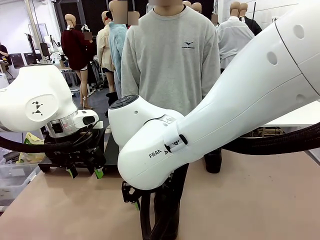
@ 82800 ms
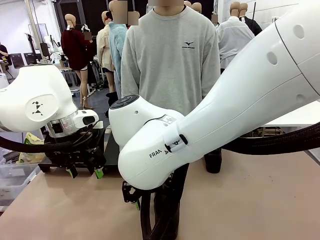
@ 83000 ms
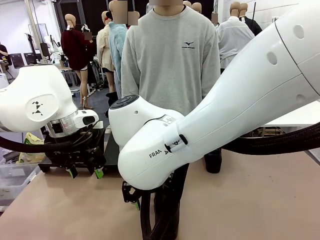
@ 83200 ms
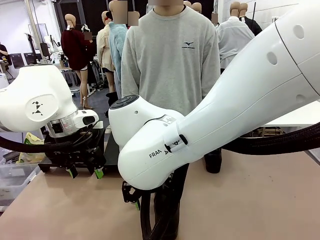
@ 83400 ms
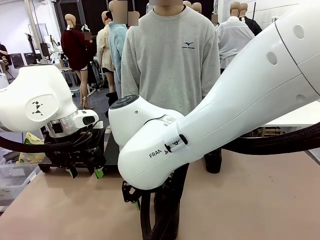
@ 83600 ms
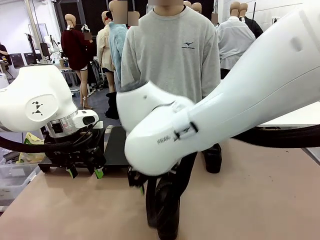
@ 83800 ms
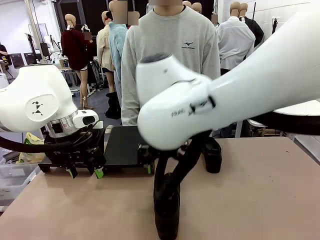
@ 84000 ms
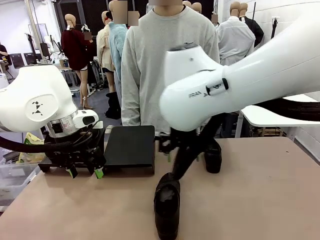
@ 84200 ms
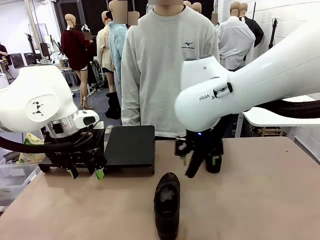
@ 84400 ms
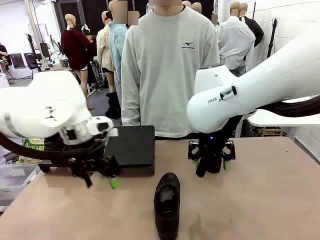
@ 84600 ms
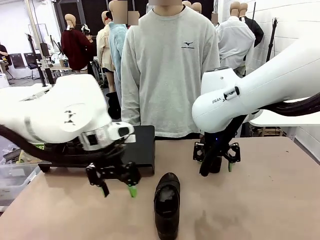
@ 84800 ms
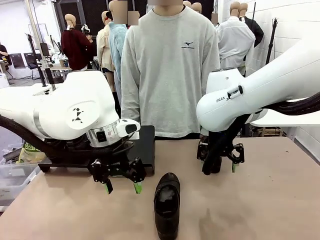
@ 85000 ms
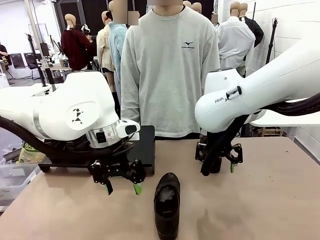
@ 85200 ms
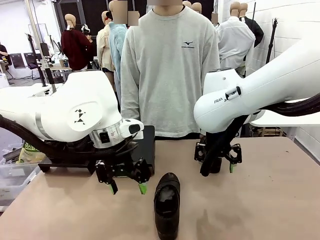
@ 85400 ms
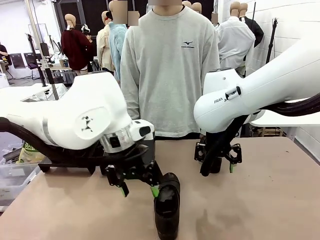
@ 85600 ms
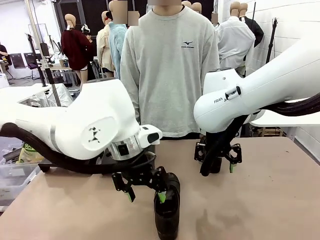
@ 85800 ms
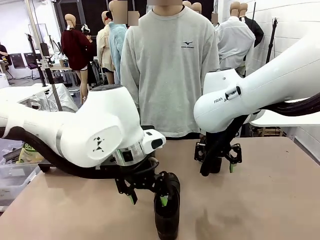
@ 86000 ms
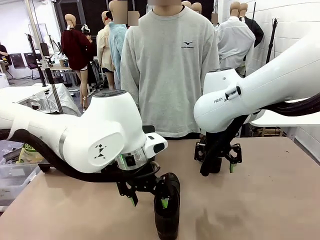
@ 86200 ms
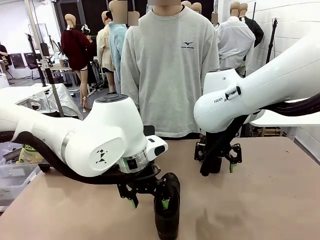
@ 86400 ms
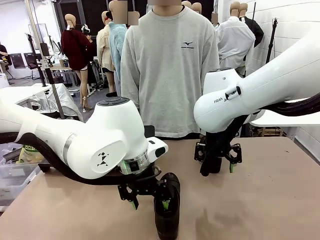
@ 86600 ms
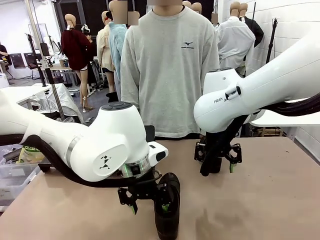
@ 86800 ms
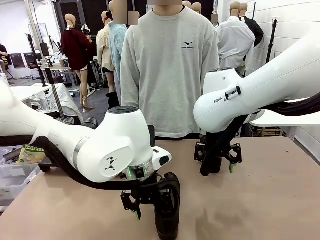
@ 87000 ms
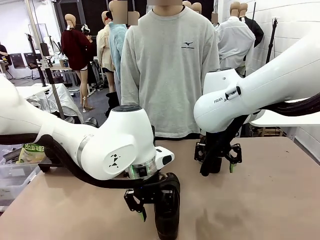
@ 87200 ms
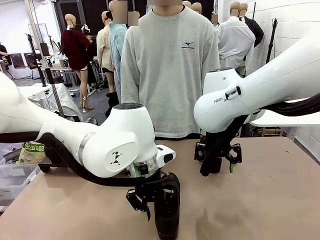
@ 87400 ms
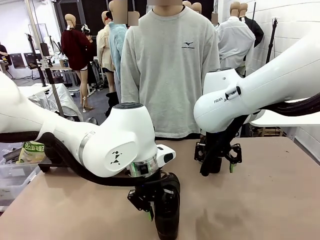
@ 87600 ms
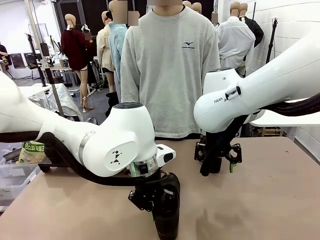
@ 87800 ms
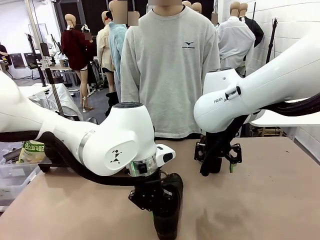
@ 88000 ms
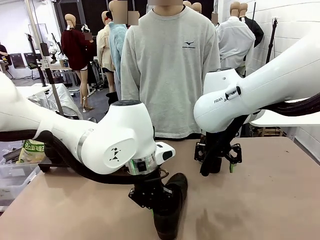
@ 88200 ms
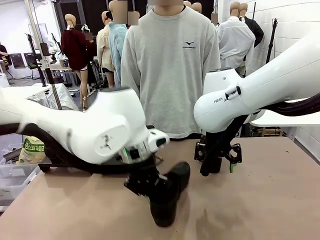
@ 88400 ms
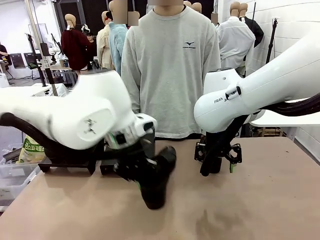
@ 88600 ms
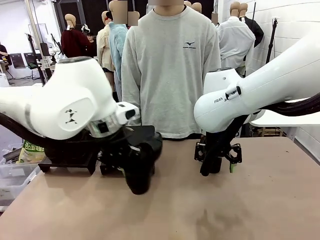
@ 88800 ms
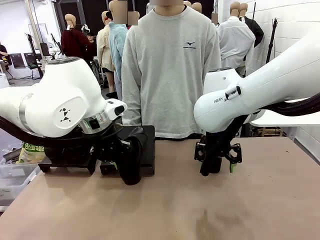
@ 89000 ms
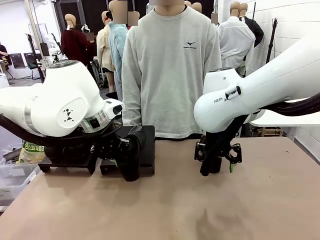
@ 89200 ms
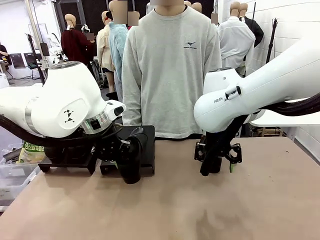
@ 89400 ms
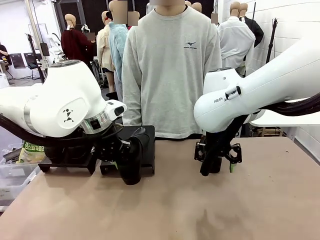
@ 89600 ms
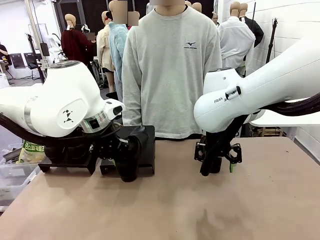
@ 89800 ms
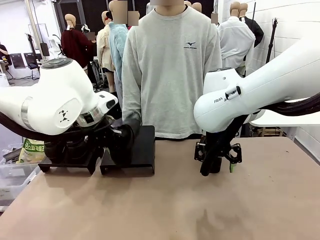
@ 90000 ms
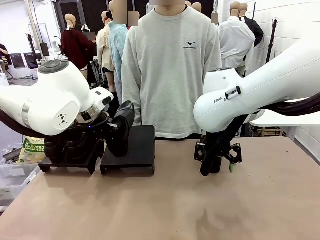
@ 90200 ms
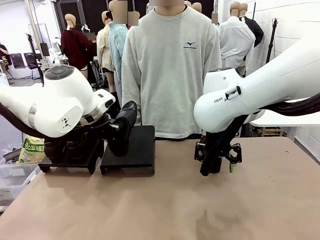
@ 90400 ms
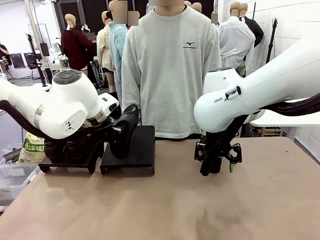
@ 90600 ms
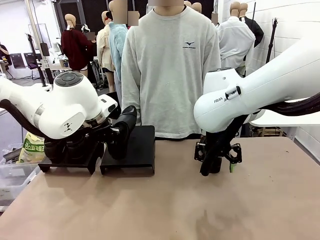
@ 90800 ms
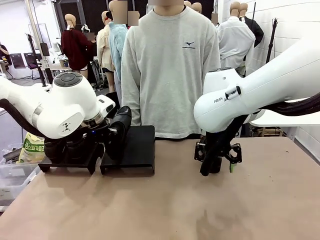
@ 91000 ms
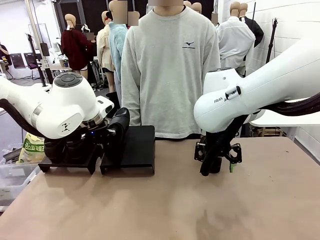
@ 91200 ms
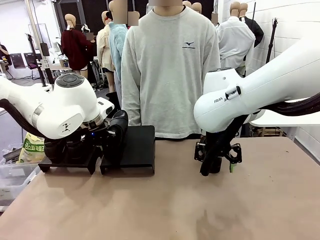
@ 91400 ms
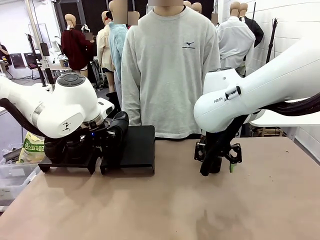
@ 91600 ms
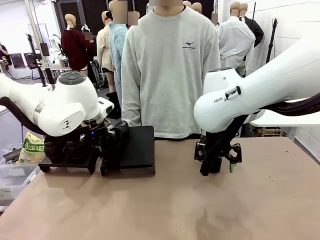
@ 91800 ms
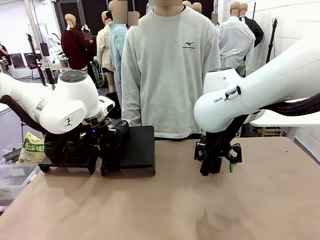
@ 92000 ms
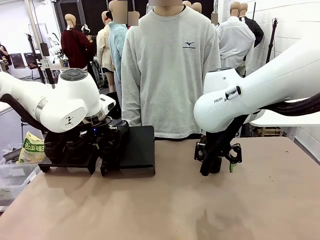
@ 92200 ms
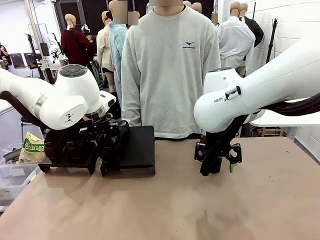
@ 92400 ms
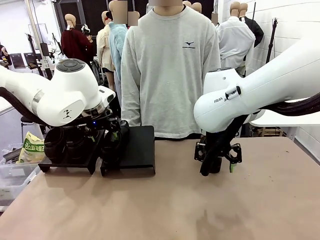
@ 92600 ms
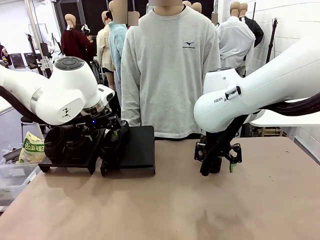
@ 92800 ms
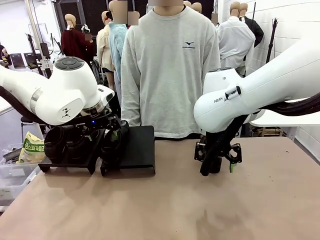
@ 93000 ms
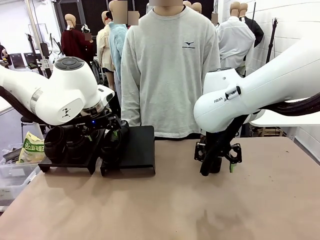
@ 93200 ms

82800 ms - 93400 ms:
Task: Organize the shoes by placing them on the stand.
Robot: Place the Shoe from the middle of the table onto the Shoes Stand.

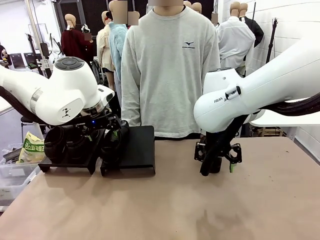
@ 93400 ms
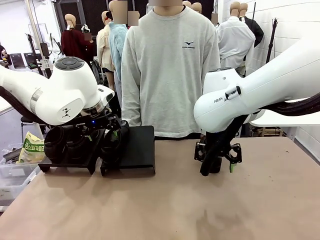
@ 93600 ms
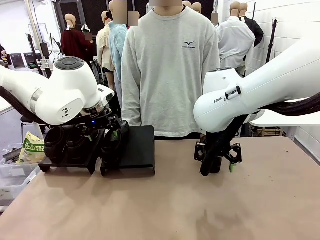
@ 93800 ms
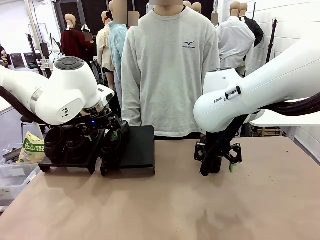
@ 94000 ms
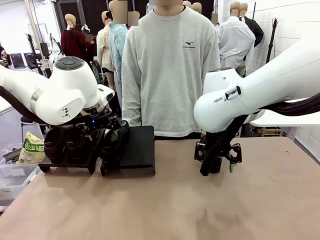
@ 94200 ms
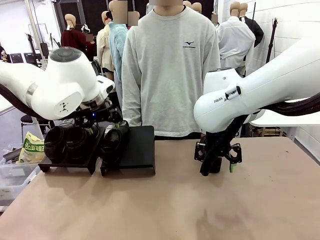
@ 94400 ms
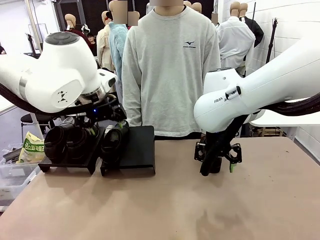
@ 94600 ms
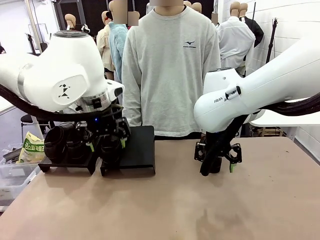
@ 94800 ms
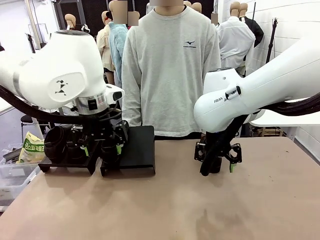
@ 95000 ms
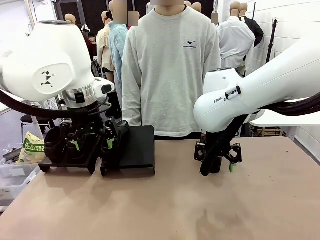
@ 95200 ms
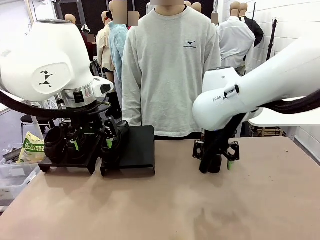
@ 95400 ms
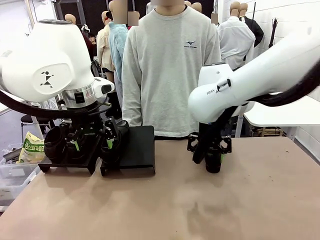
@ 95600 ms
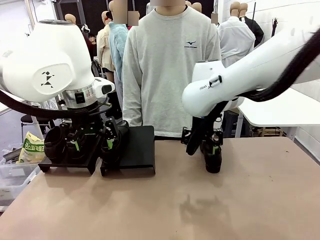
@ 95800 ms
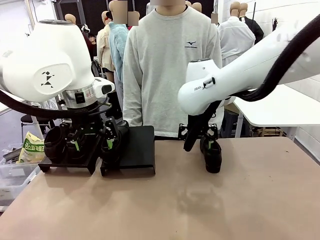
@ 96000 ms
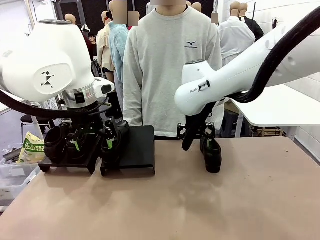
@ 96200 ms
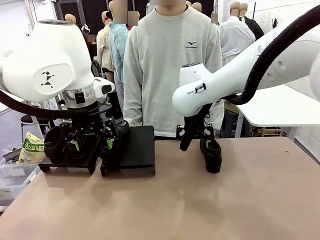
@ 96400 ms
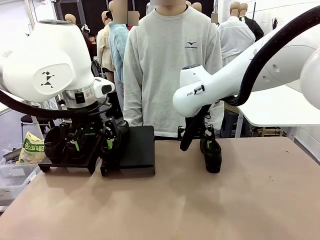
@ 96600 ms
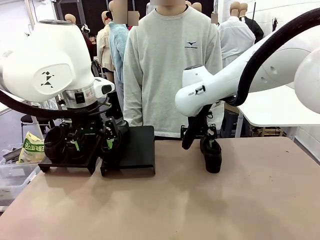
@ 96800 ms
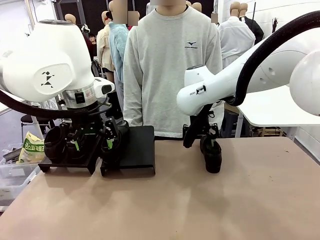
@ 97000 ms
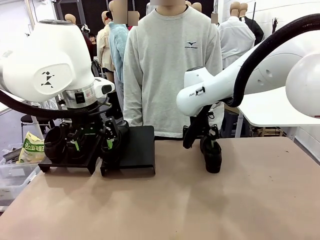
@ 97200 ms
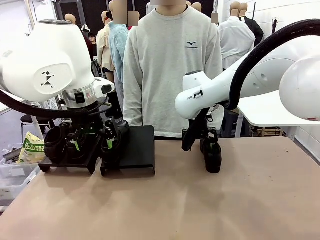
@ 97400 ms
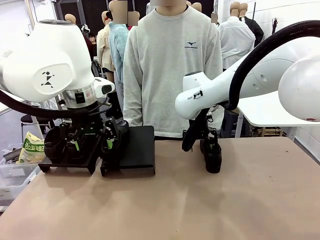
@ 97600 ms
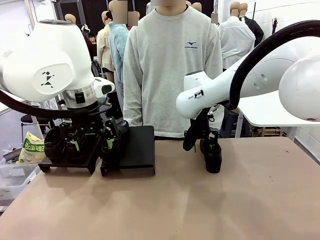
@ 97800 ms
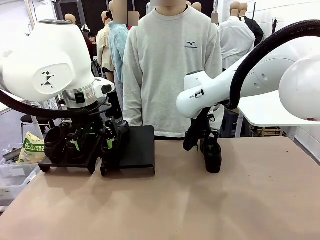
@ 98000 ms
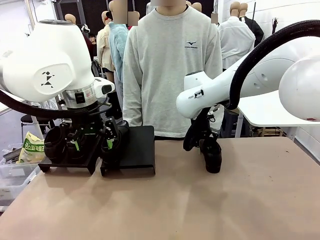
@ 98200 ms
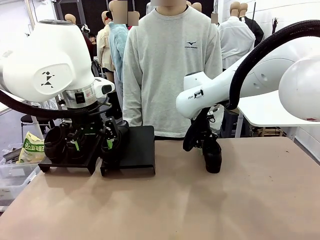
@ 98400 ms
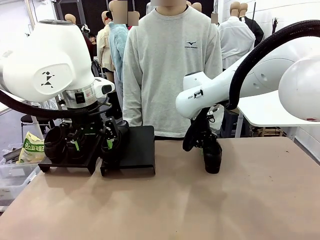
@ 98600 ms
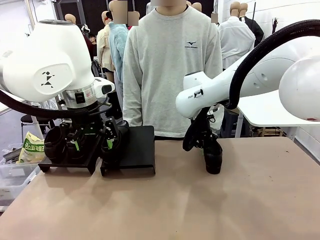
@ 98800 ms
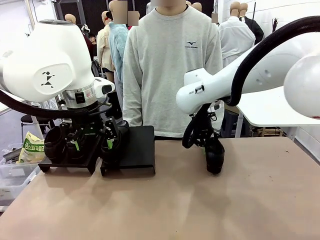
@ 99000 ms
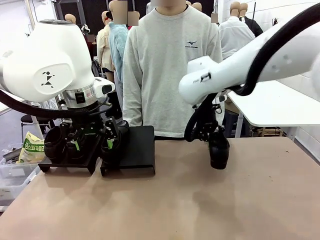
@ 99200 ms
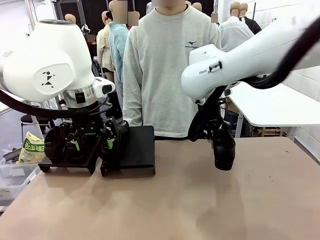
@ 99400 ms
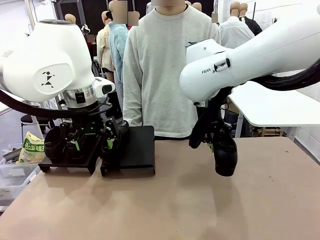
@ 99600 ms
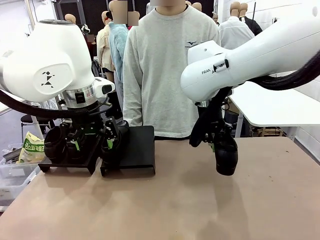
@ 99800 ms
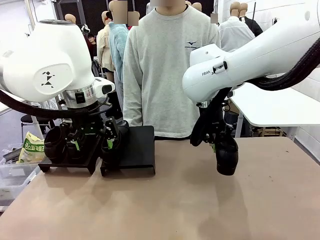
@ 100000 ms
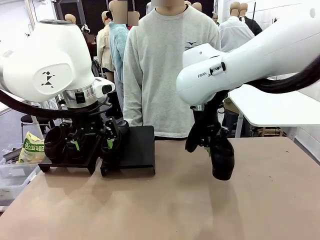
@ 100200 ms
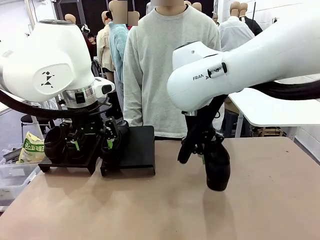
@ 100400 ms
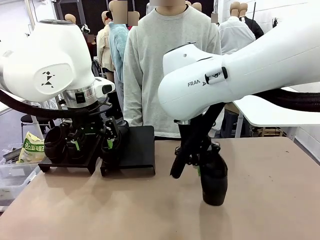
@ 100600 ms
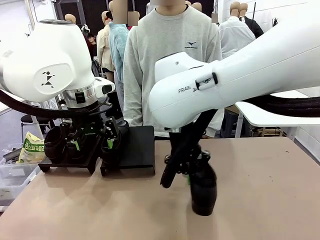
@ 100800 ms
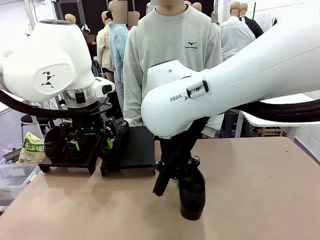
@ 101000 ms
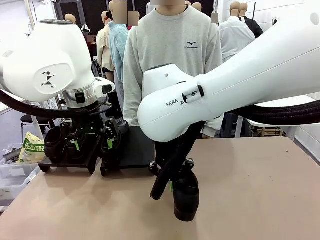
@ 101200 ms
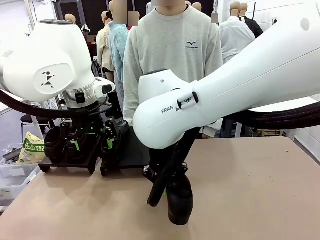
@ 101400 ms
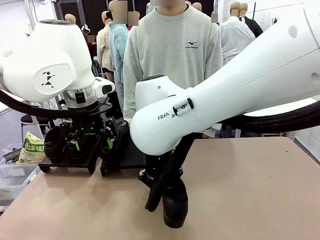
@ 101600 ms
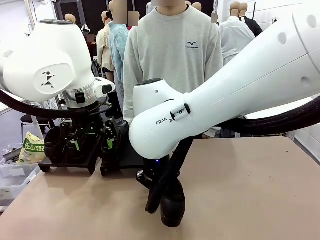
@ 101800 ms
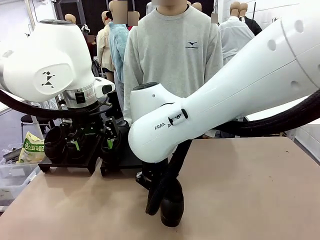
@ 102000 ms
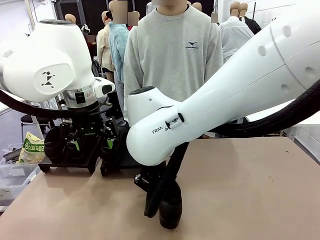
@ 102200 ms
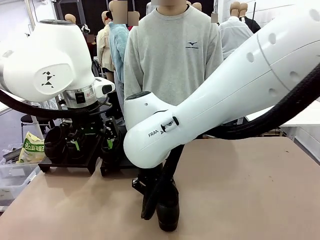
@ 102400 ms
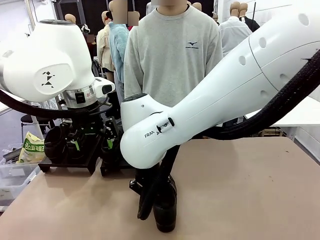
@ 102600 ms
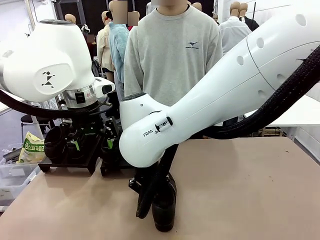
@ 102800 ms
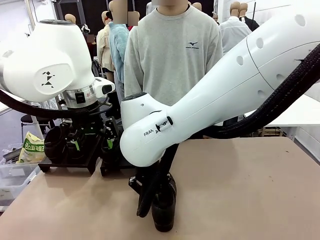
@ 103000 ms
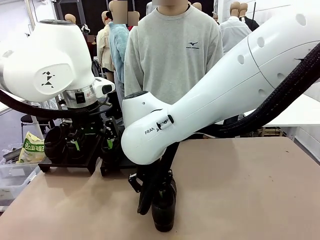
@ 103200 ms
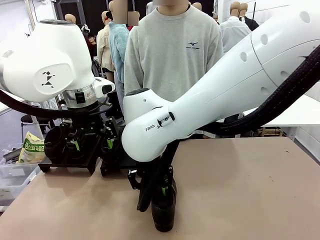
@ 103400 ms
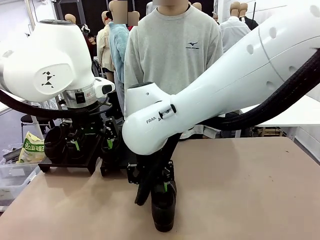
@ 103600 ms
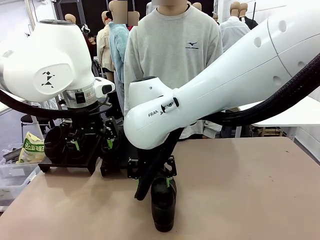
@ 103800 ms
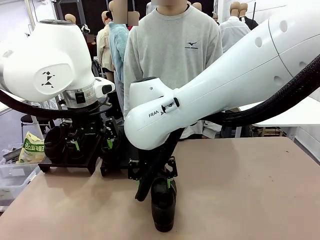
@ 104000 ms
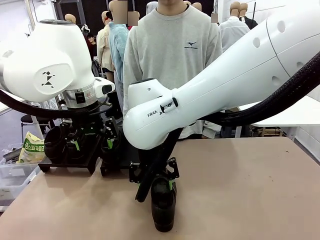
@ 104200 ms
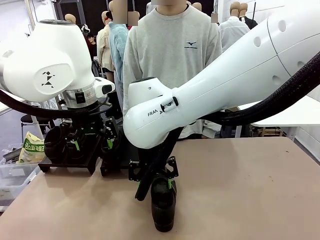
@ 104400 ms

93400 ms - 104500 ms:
Robot: Pick up one Shoe and place it in the middle of the table.
